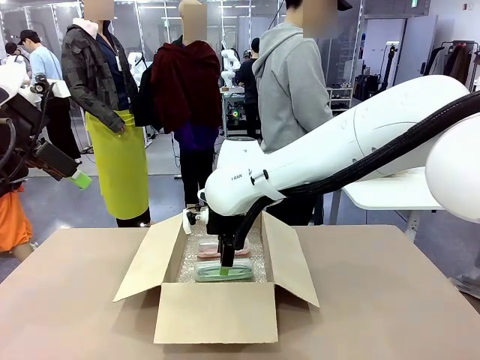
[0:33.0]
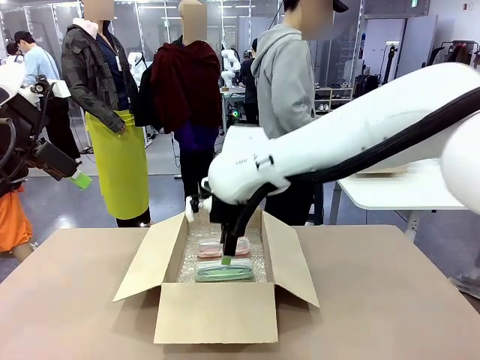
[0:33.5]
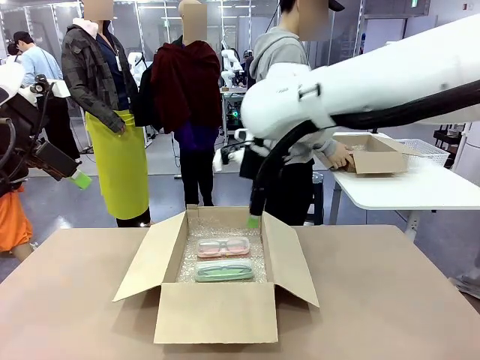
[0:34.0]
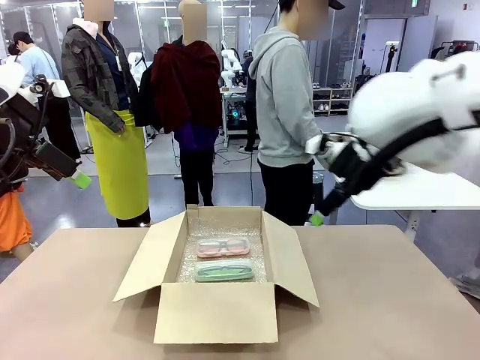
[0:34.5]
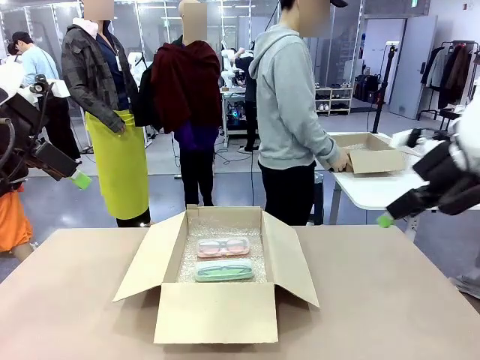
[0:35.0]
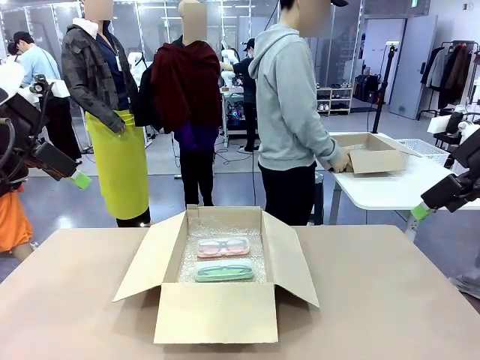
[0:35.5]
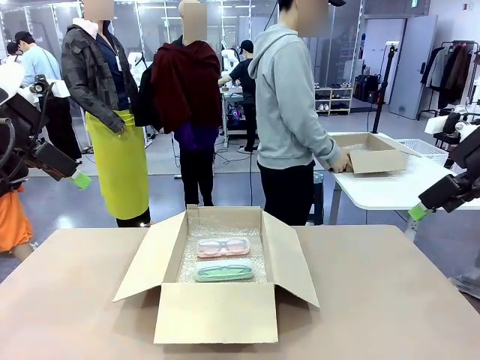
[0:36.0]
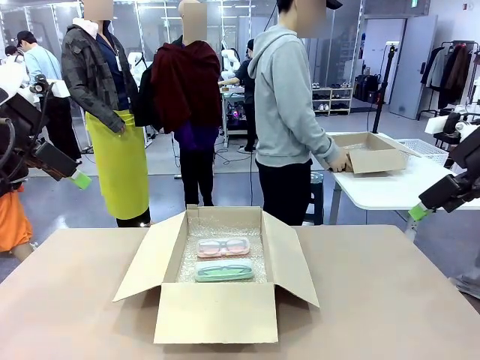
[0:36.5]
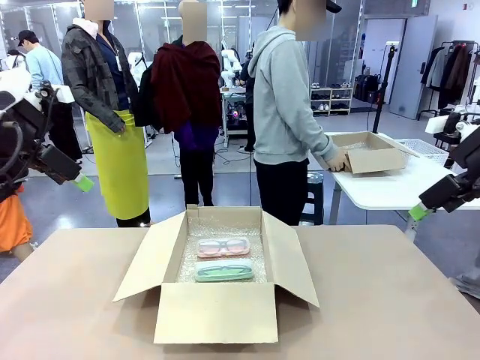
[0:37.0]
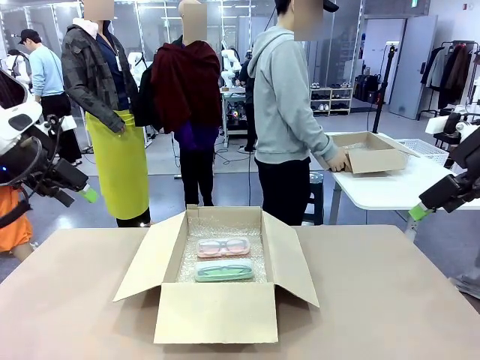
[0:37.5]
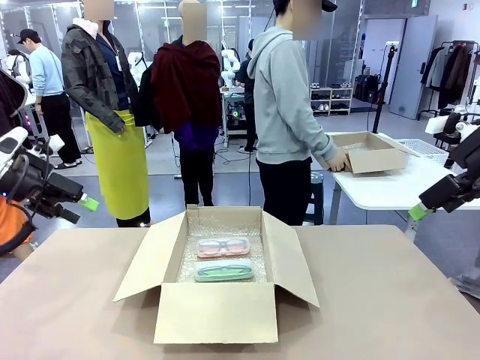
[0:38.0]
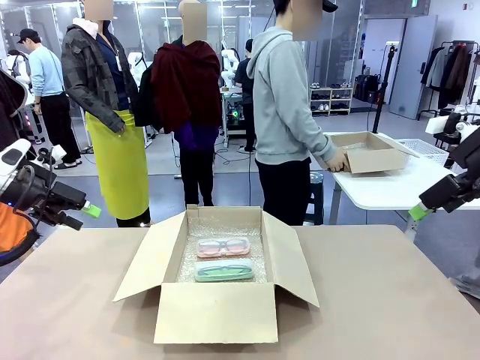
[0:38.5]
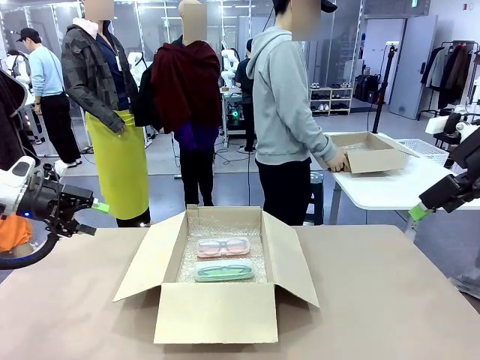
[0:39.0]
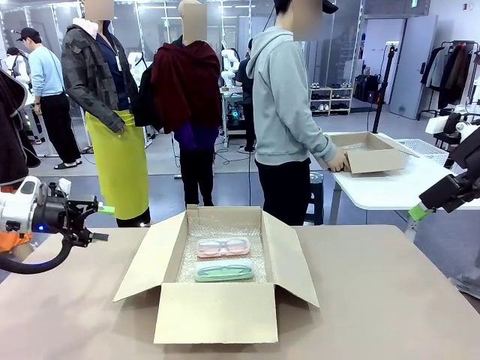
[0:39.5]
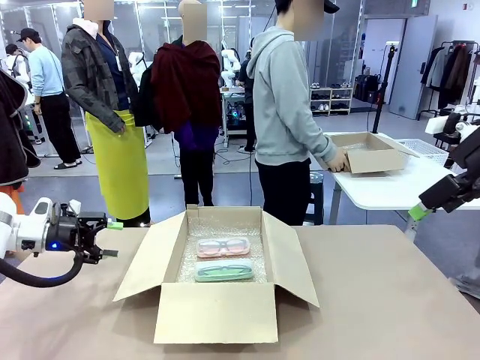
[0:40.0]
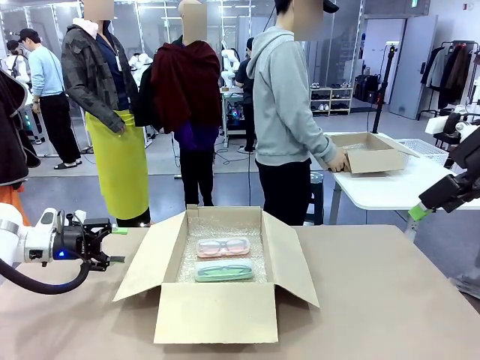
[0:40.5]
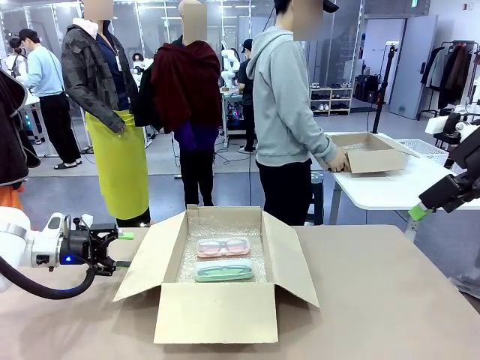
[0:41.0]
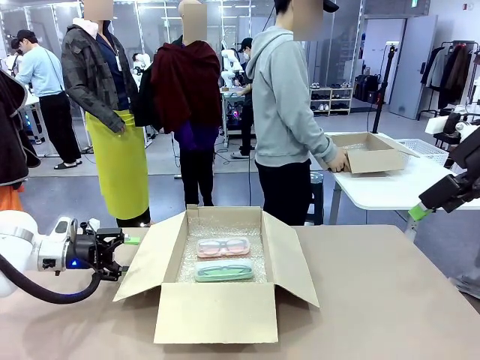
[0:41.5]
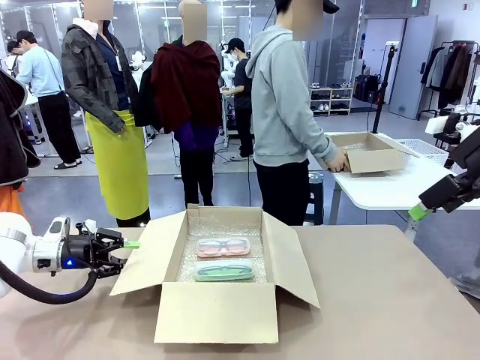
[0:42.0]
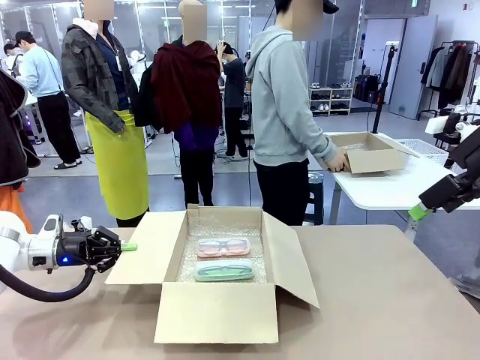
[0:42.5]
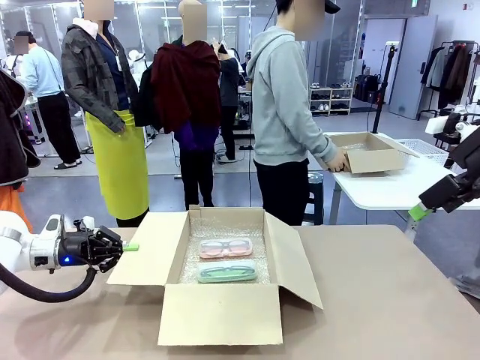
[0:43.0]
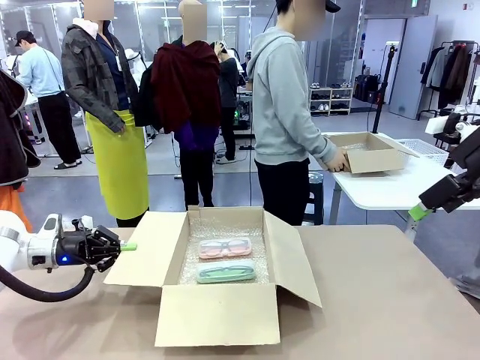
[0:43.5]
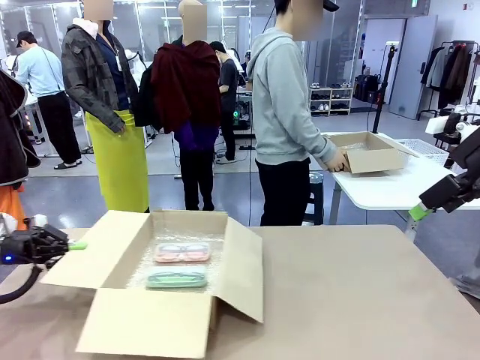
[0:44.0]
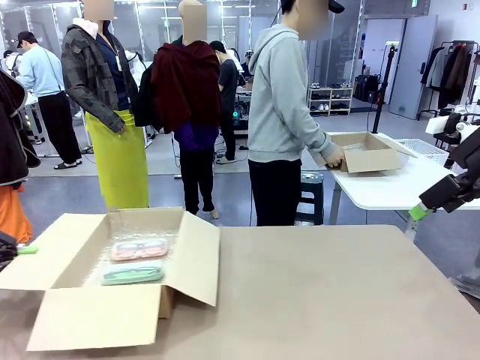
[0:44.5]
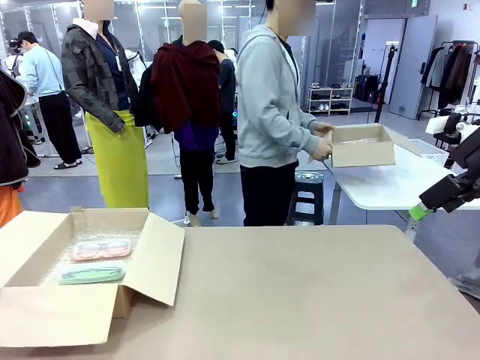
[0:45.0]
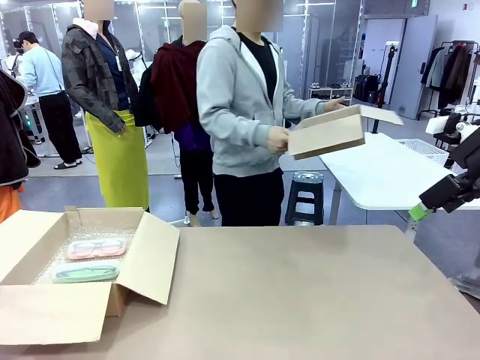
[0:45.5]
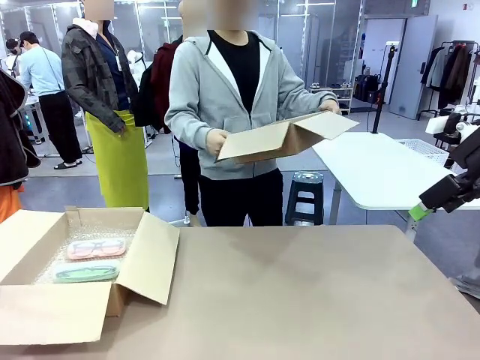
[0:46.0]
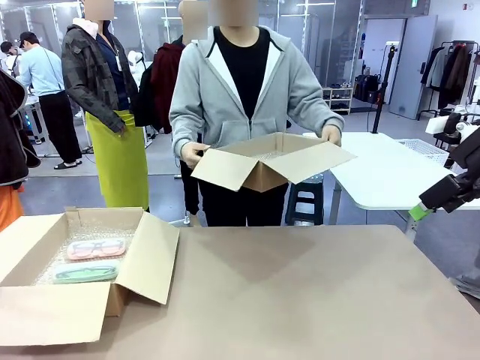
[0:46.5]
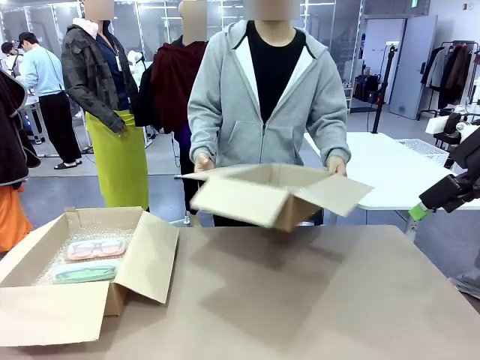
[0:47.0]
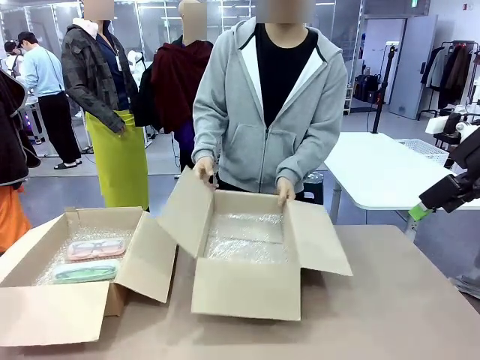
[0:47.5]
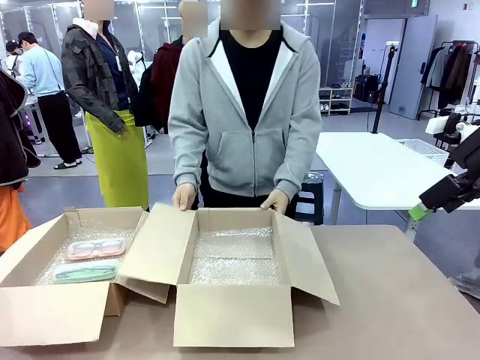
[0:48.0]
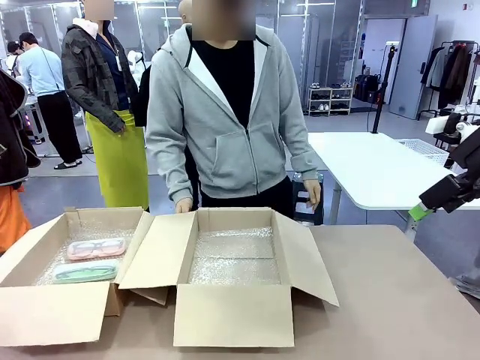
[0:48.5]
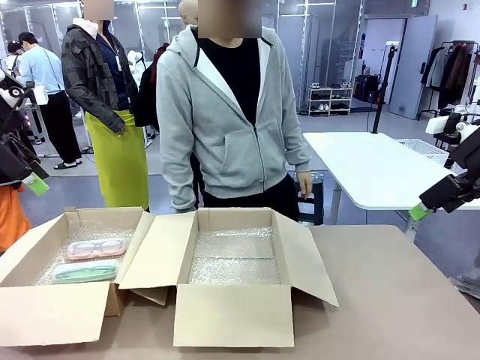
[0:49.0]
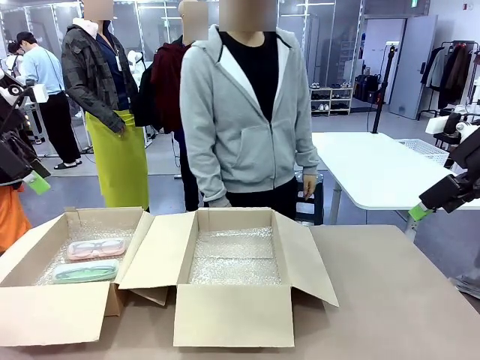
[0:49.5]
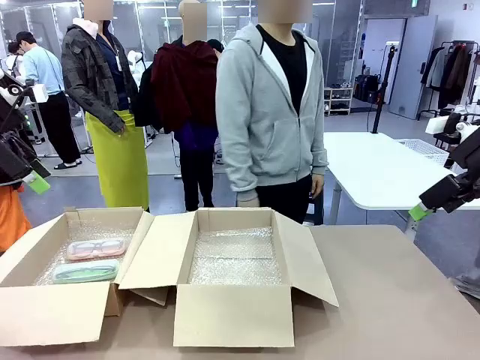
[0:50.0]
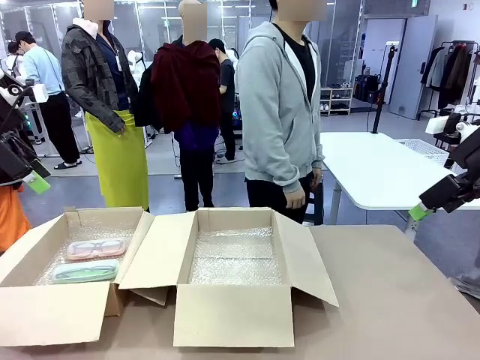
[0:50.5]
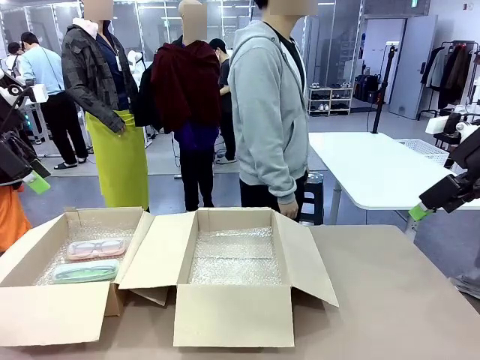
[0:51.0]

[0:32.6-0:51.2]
Task: Pack the glasses set securely to prepare it for shipping.
Robot: Position the Package Box on the left side of the table.
Person: Position the empty Package Box in the middle of the robot's table.

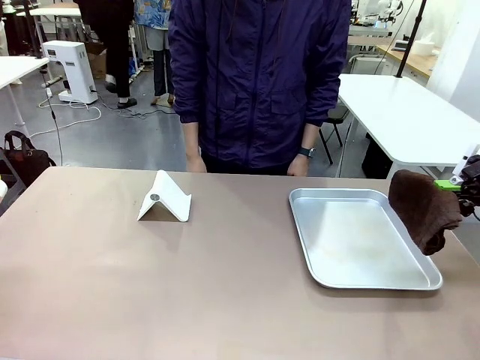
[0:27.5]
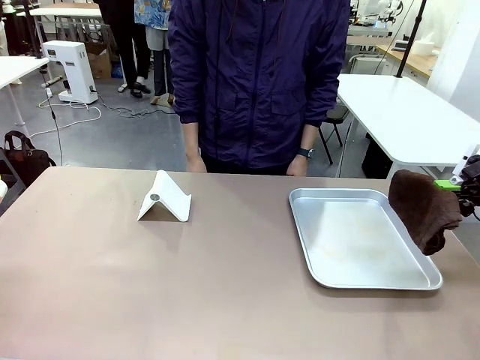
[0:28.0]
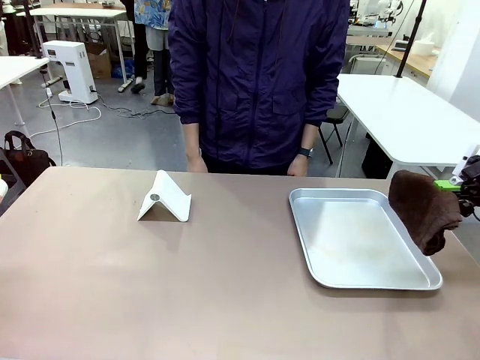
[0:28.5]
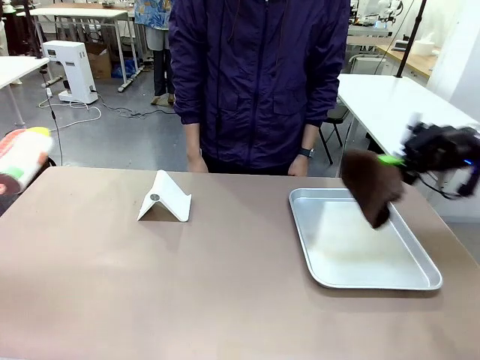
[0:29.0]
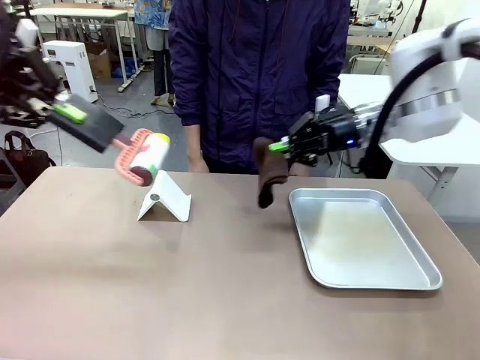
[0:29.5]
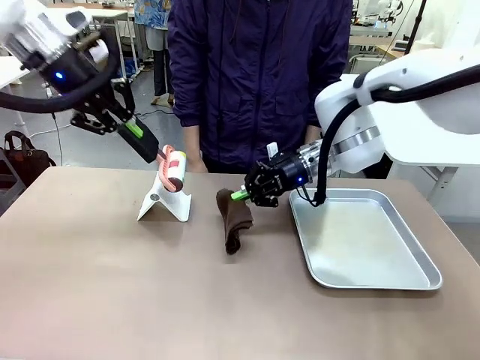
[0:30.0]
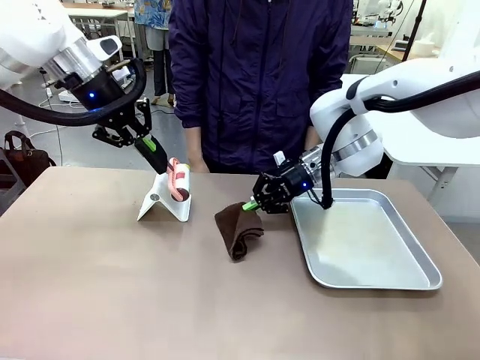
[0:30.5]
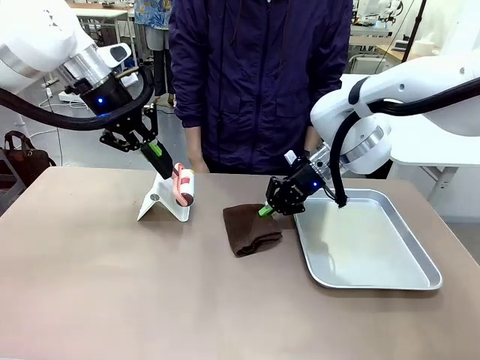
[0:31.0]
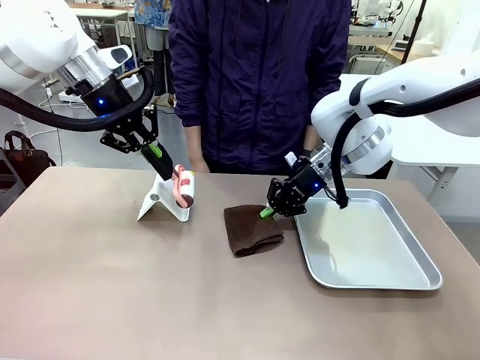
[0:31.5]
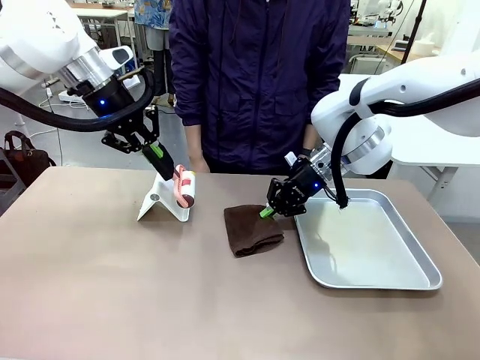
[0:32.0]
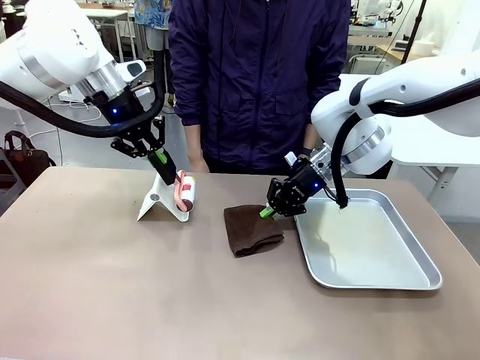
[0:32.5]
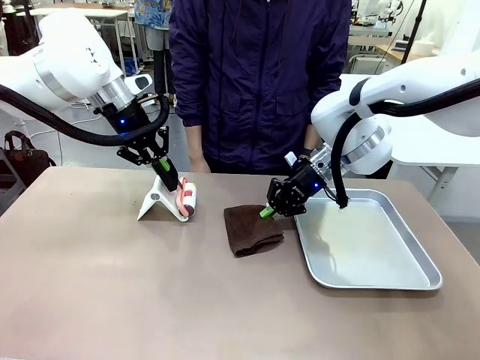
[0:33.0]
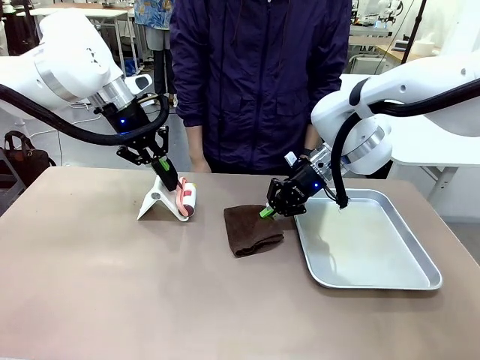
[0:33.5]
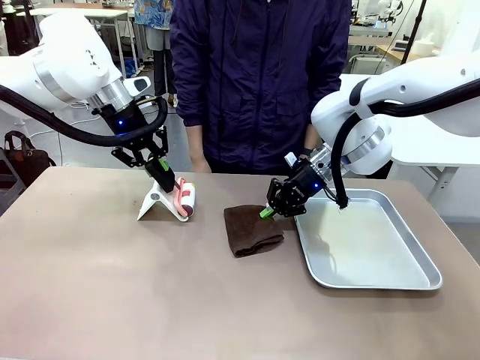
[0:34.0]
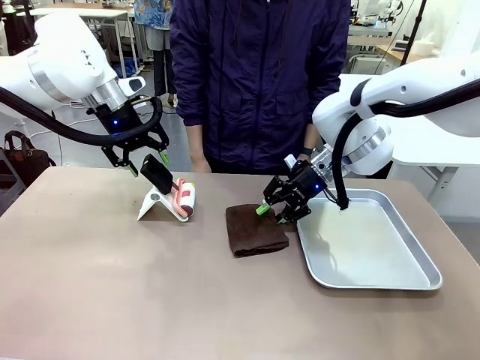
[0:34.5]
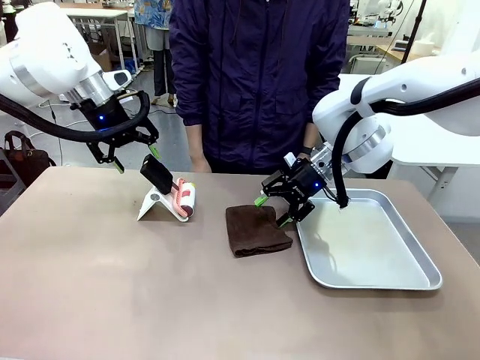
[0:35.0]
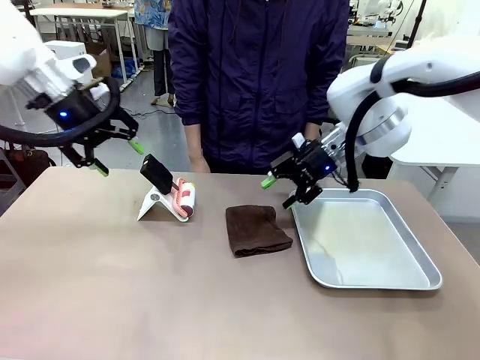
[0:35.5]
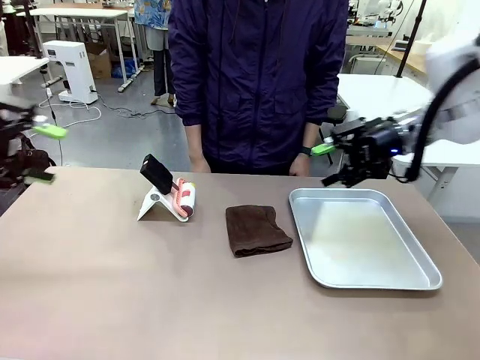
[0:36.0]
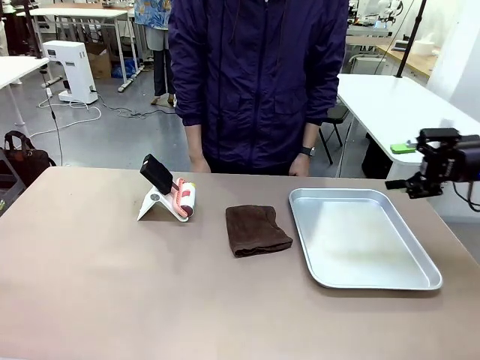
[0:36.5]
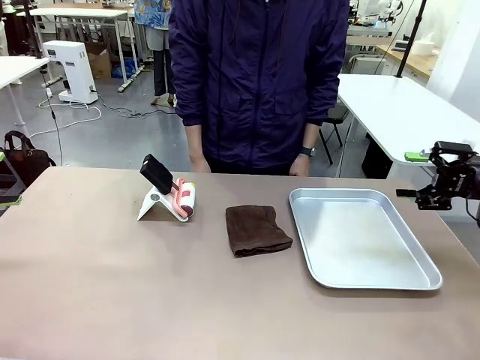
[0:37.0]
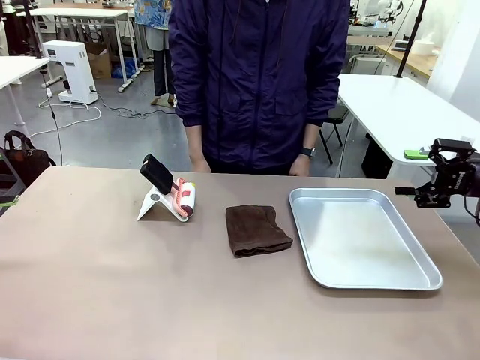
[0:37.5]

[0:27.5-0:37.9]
Task: Clean the surface of the table.
Robot: Return the Lint Roller and towel to their original positions.
